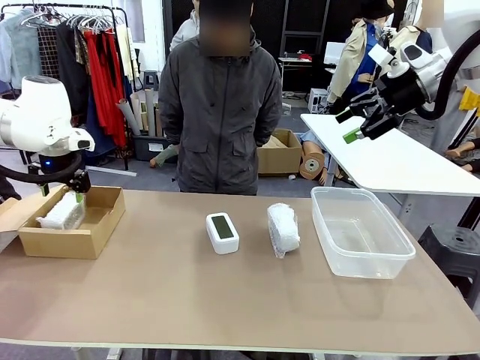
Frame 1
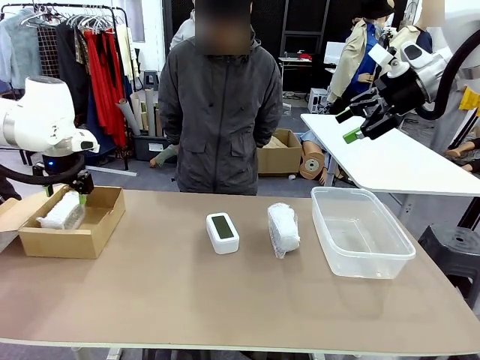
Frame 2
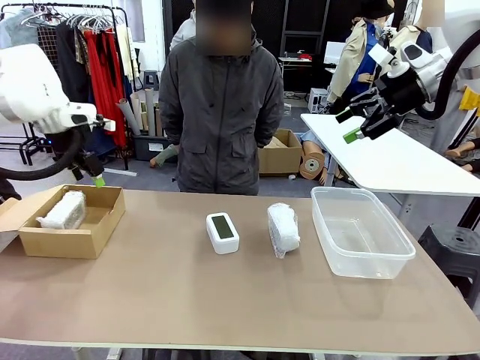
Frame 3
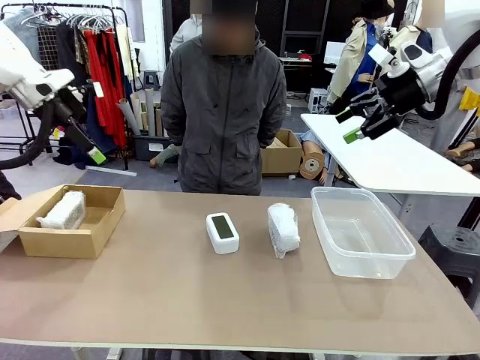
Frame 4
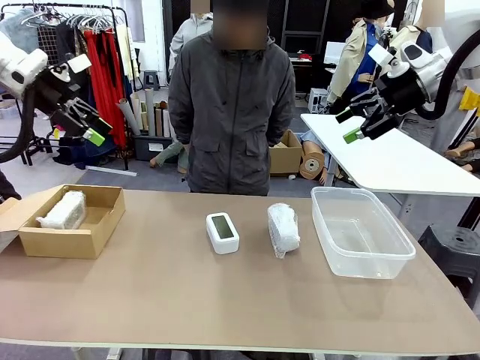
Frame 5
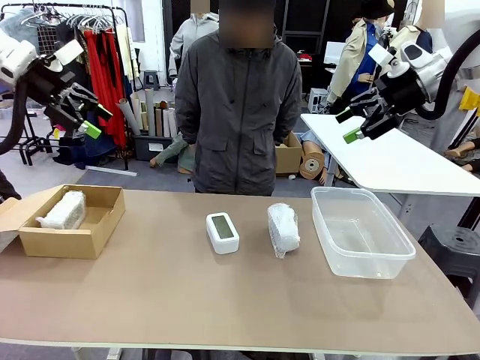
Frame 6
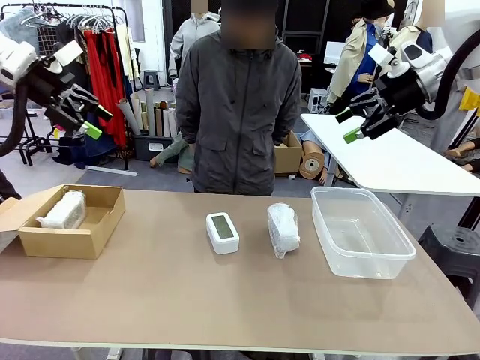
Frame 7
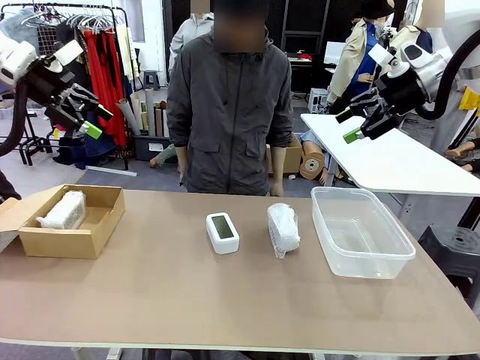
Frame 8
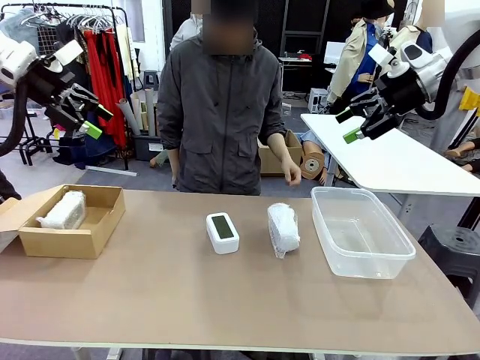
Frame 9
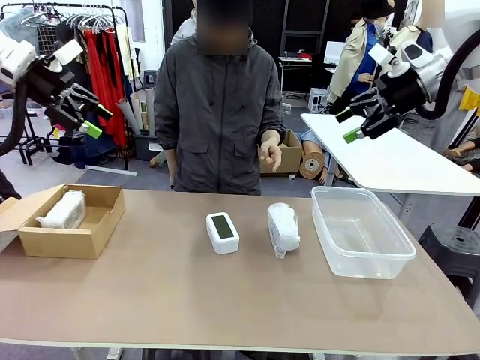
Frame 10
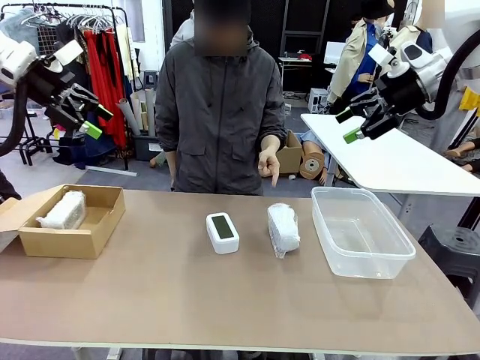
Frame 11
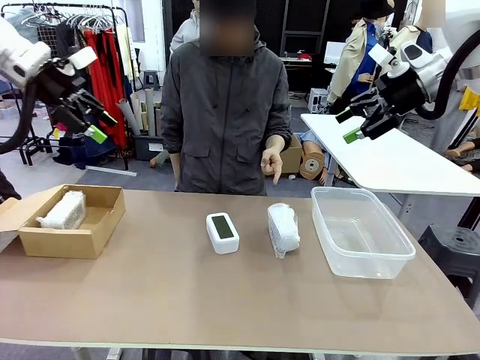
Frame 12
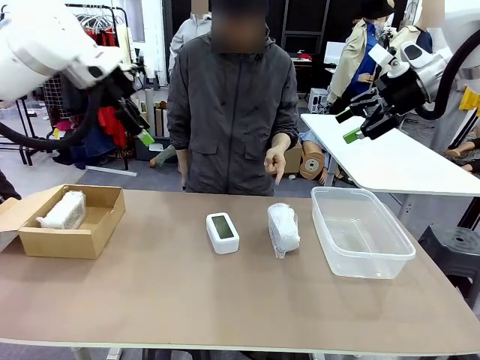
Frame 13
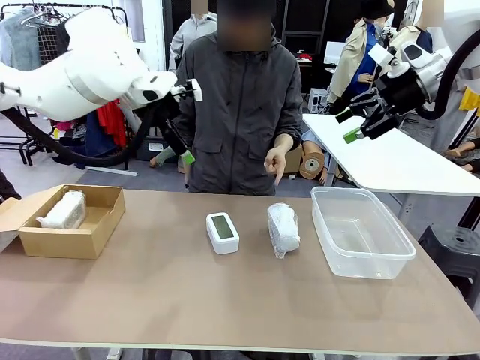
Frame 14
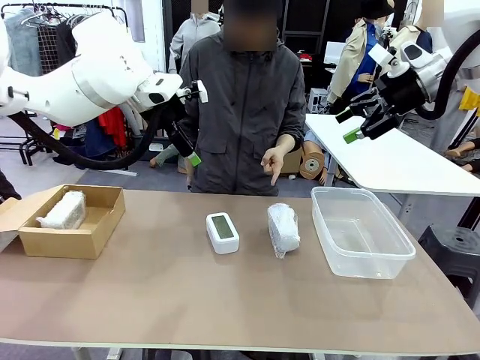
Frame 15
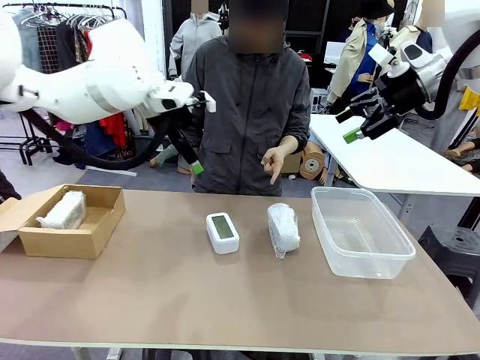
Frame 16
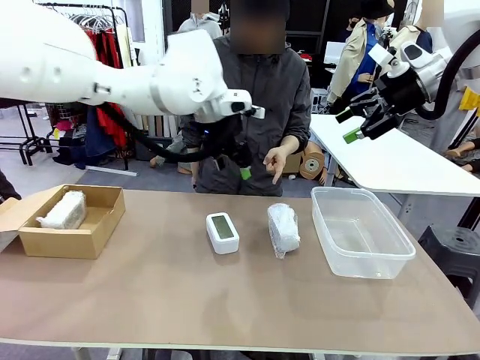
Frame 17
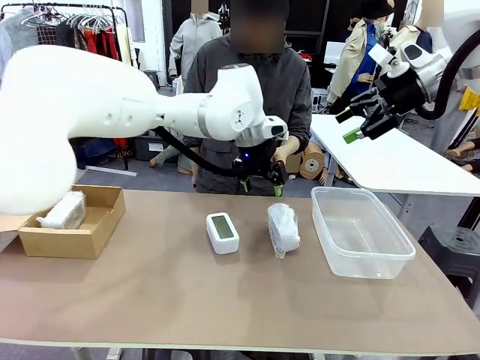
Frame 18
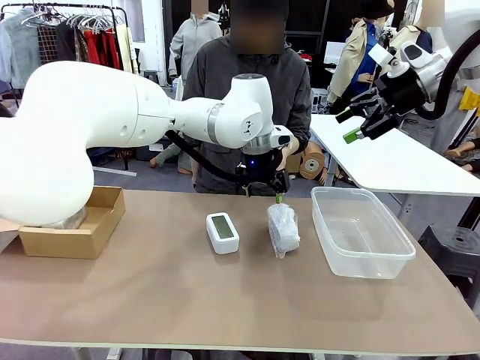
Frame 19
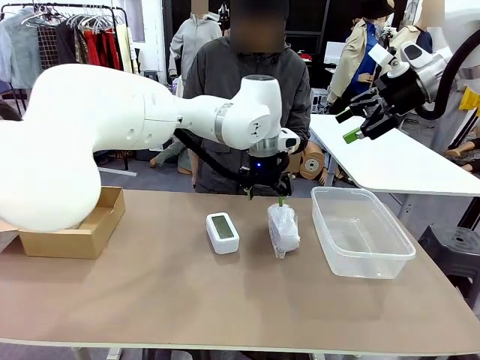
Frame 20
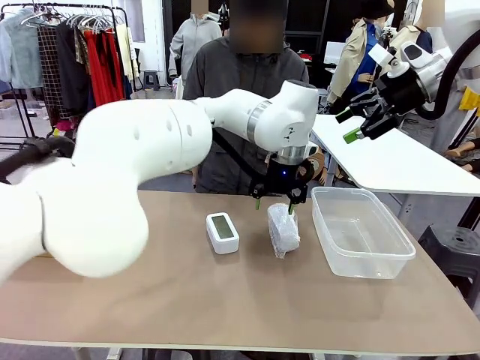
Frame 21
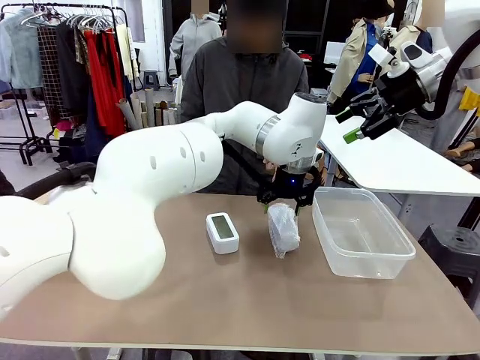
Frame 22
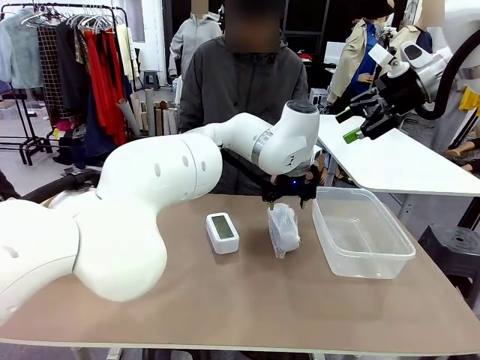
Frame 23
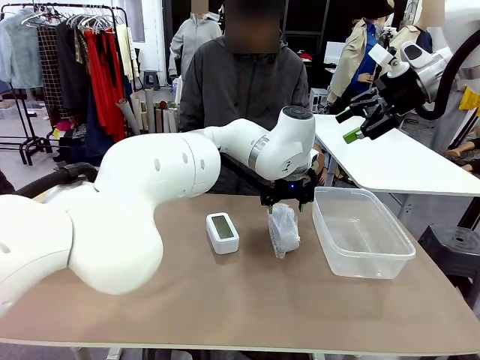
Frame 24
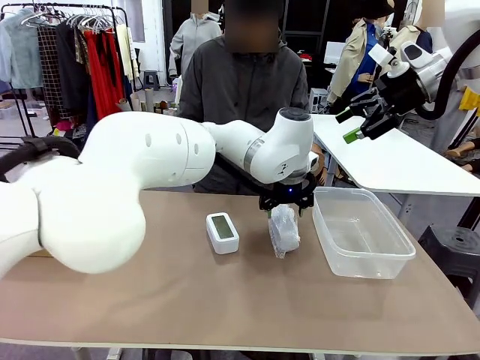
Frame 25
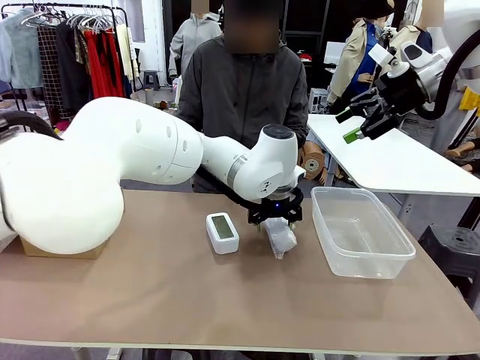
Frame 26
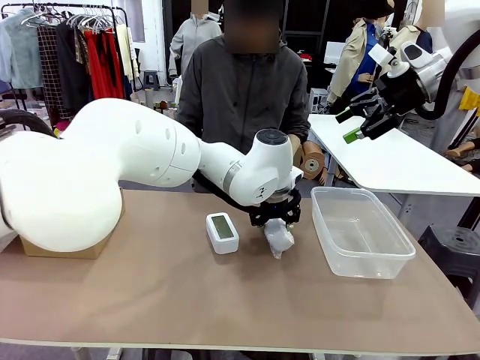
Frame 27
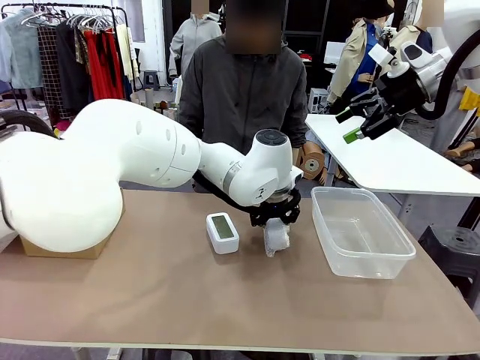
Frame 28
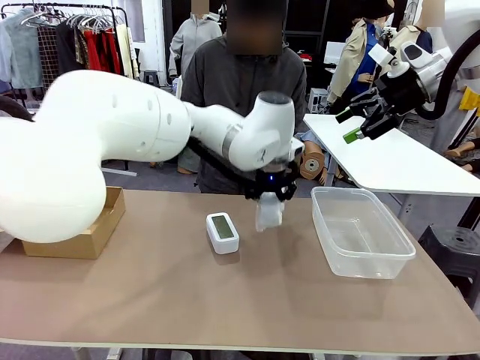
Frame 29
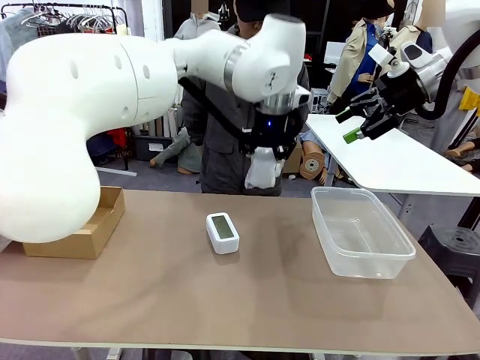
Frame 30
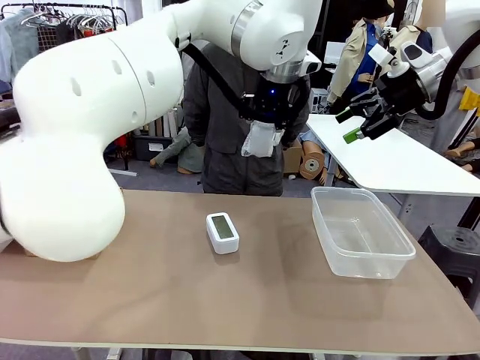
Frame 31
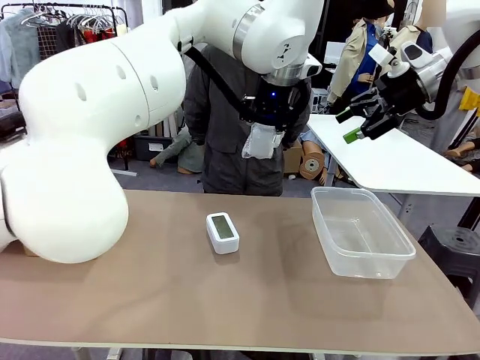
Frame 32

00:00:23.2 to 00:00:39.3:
Task: Separate and place wrapped and unwrapped clocks.
Robot: Pick up the Digital clock indicated by the person.

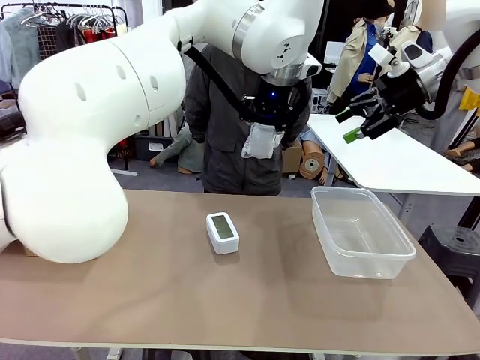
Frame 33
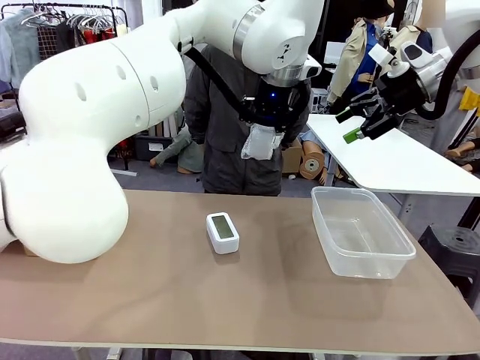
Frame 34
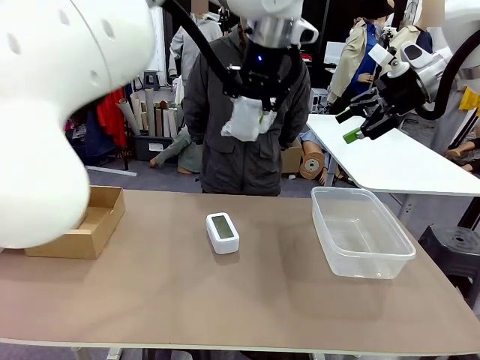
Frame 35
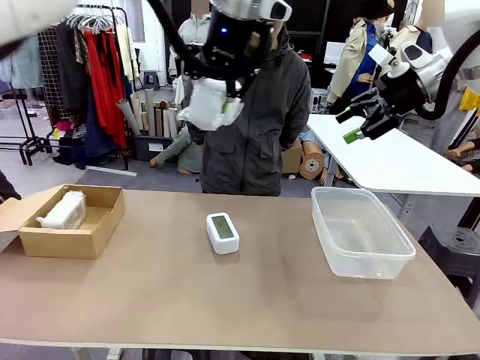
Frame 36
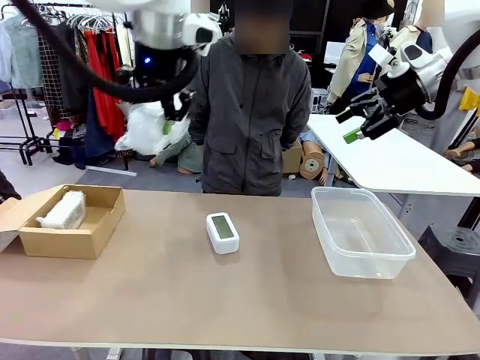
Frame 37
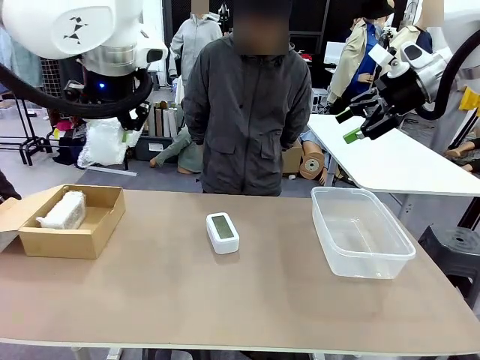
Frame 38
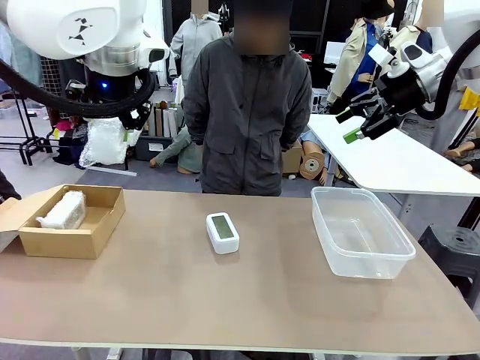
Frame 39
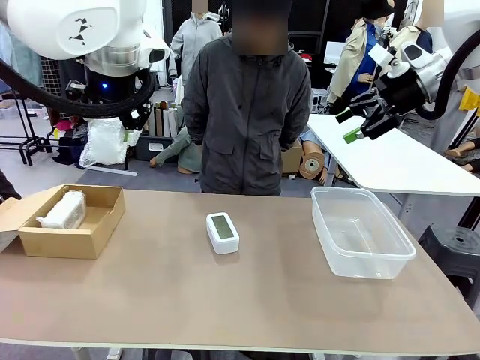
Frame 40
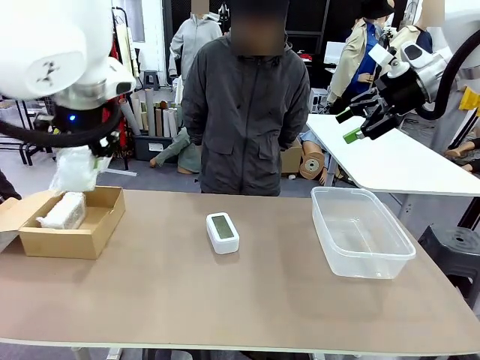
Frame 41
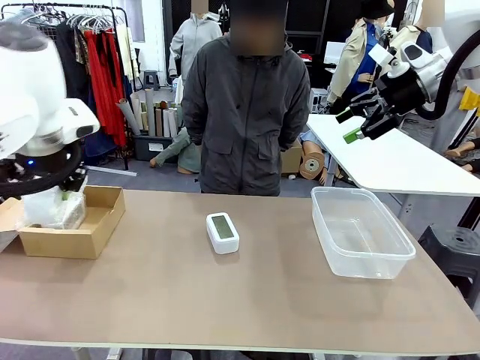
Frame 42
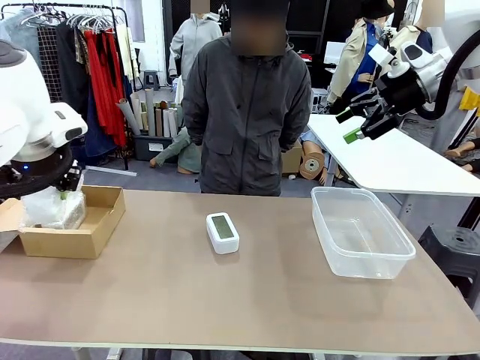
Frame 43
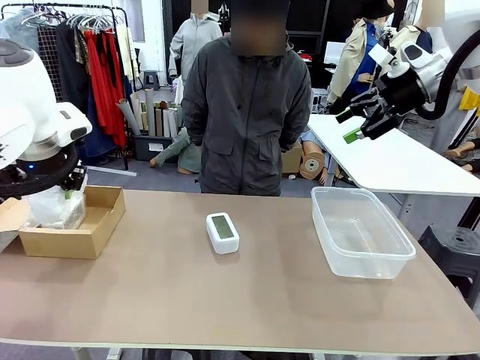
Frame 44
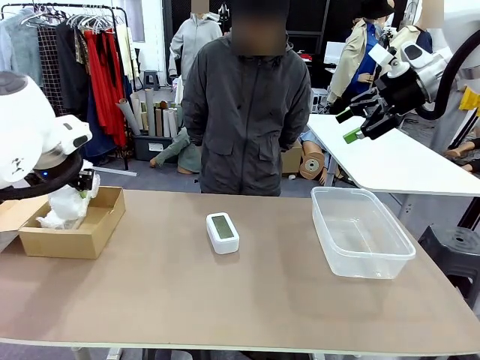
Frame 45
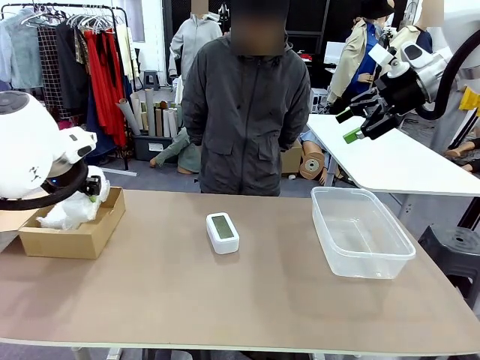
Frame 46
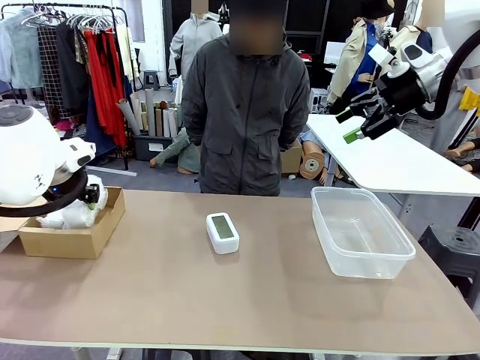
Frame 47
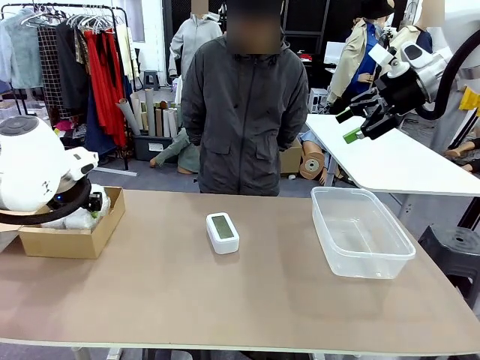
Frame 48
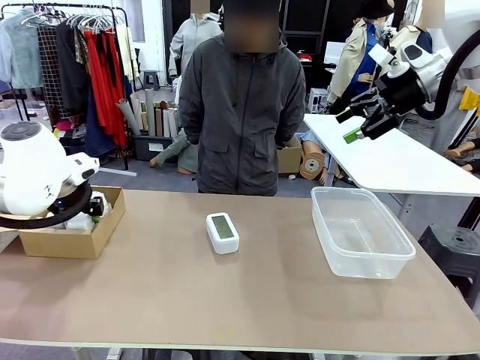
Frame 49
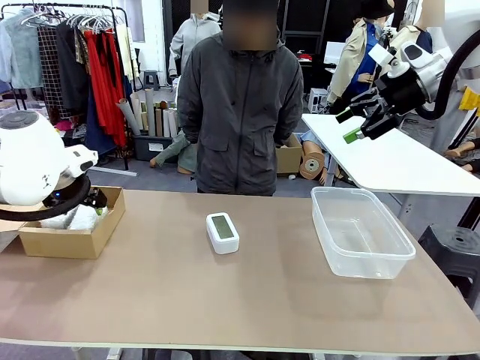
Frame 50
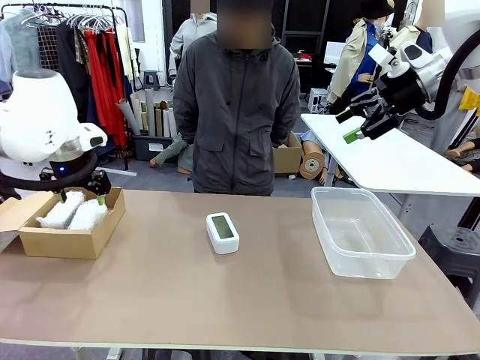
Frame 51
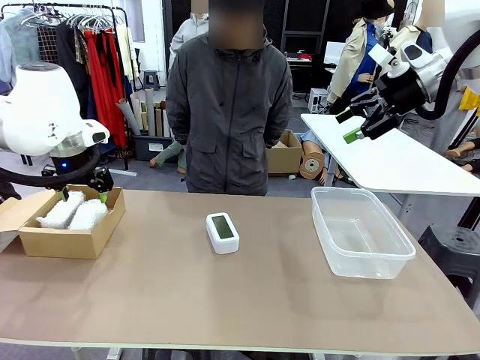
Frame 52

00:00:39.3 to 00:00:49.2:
Robot: If the picked Digital clock is wrapped, place it in the Package Box ; if not, place it in the Organizing box.

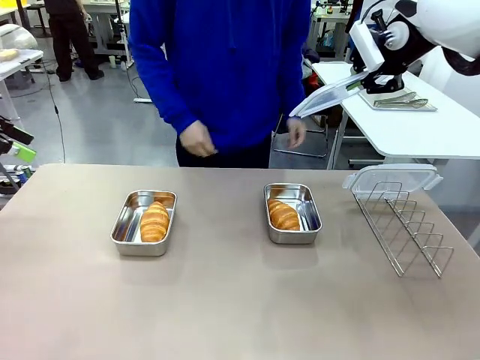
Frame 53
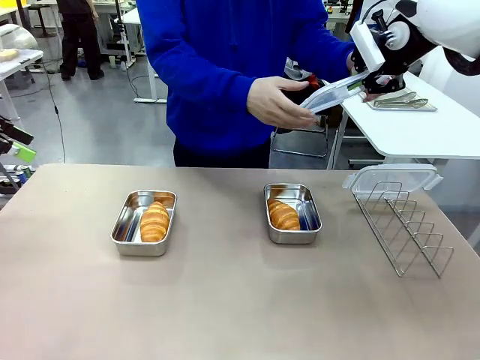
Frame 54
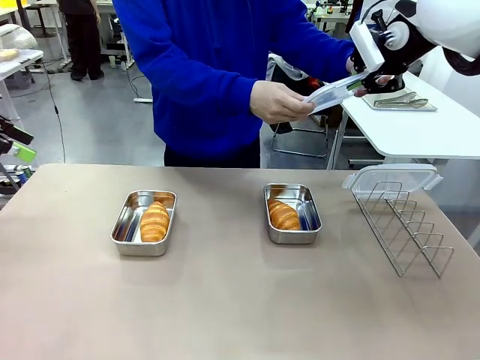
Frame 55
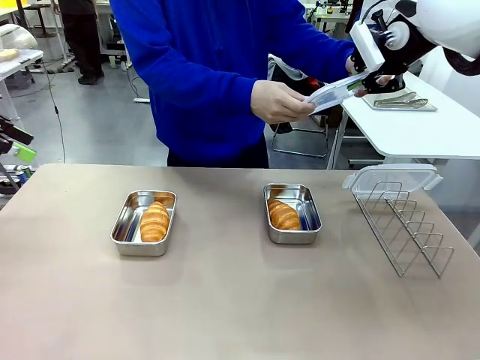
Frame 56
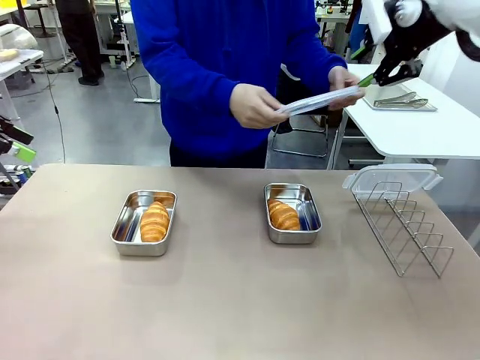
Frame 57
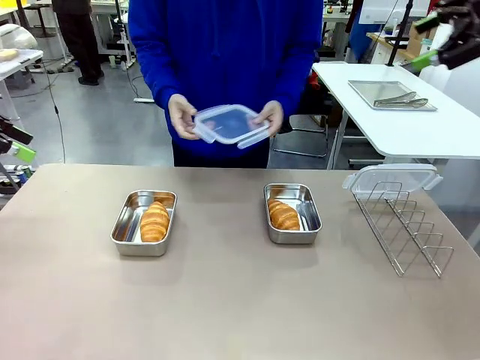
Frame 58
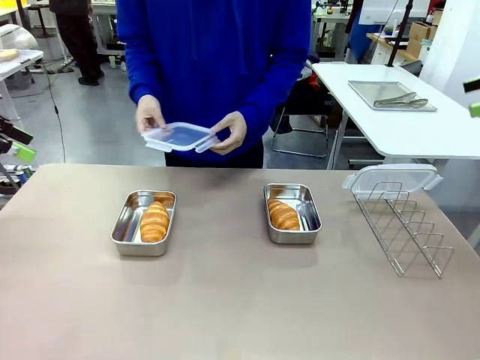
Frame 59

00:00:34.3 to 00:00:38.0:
Task: Place the bread in airtight containers.
Robot: Release when the human grabs the Airtight Container lid.
